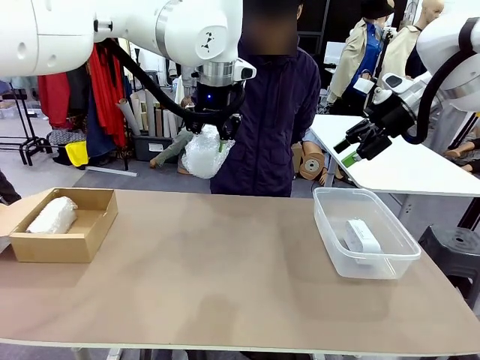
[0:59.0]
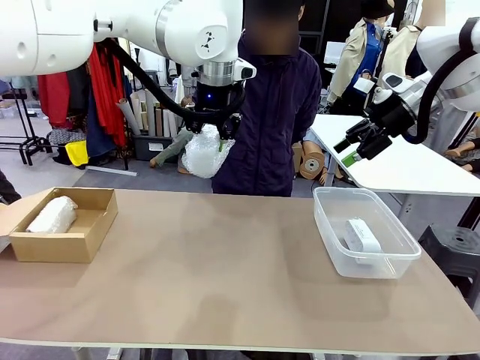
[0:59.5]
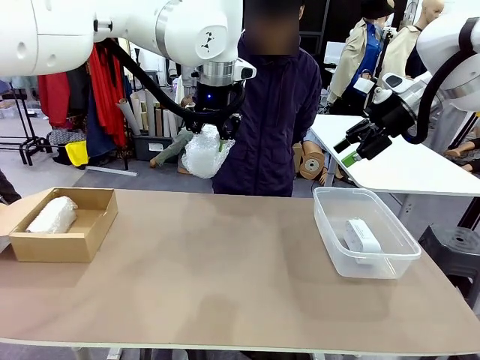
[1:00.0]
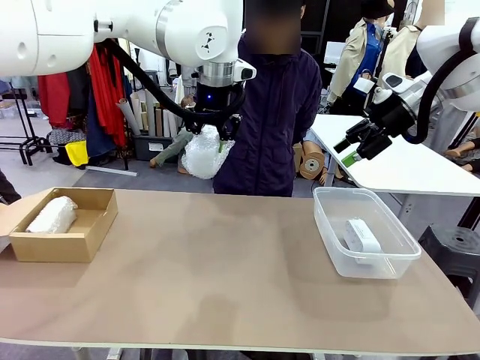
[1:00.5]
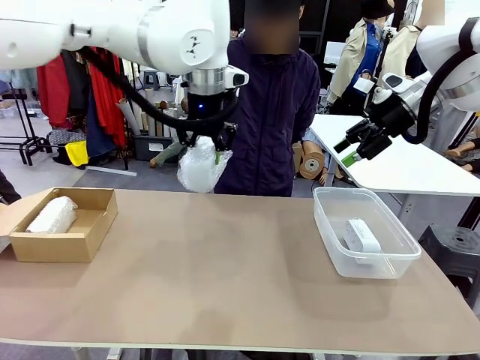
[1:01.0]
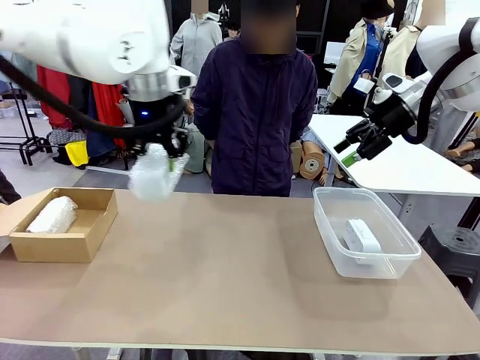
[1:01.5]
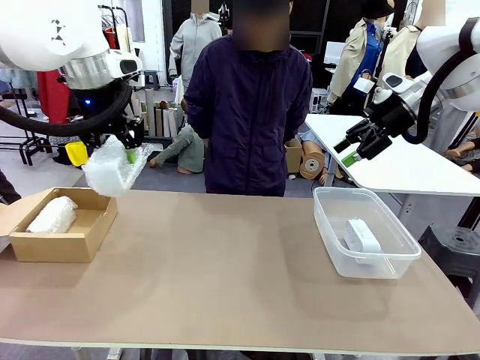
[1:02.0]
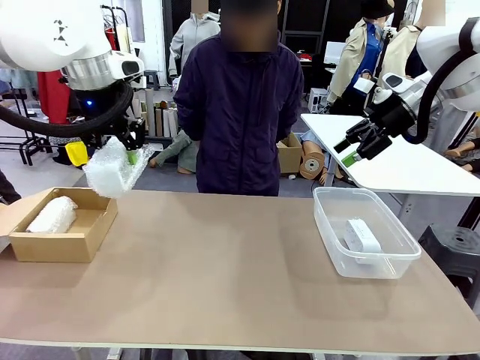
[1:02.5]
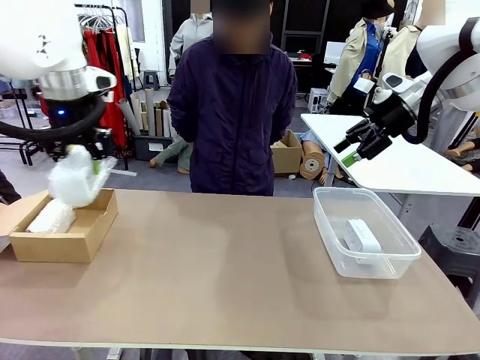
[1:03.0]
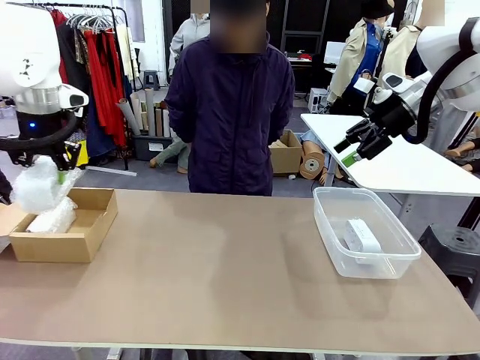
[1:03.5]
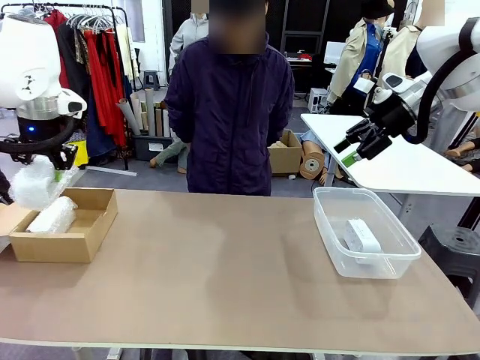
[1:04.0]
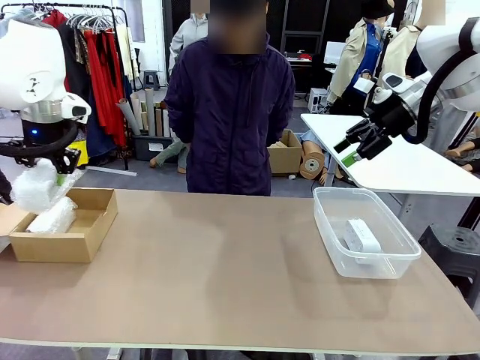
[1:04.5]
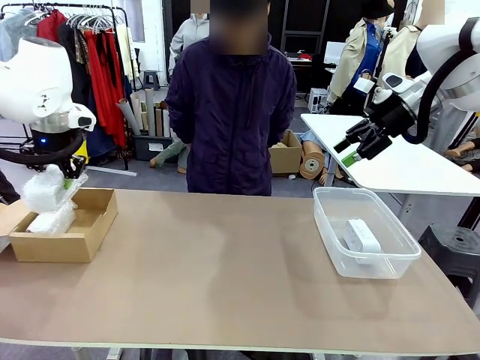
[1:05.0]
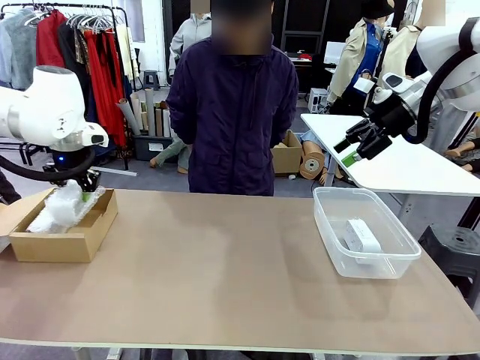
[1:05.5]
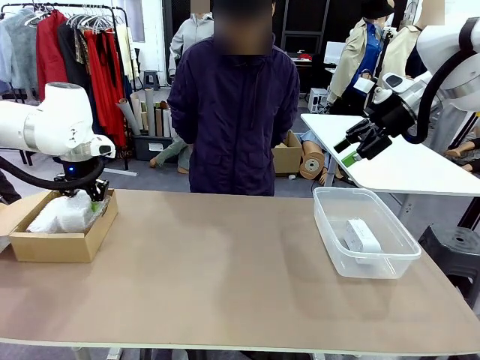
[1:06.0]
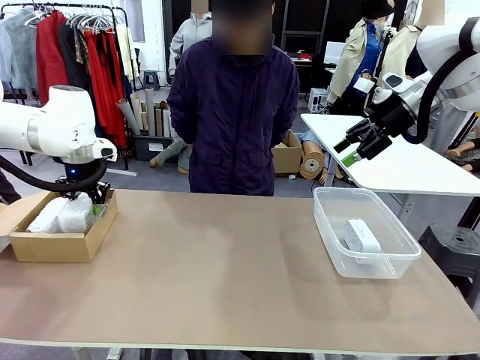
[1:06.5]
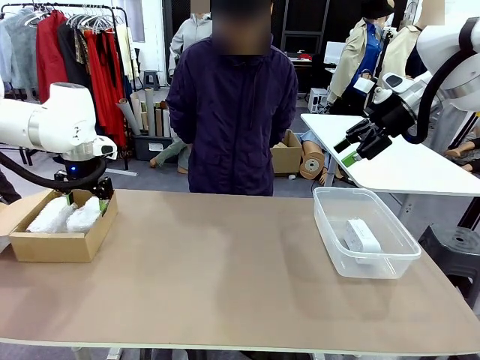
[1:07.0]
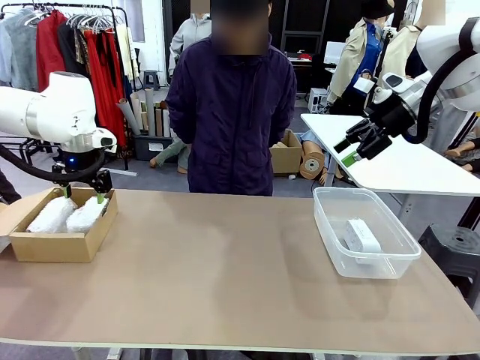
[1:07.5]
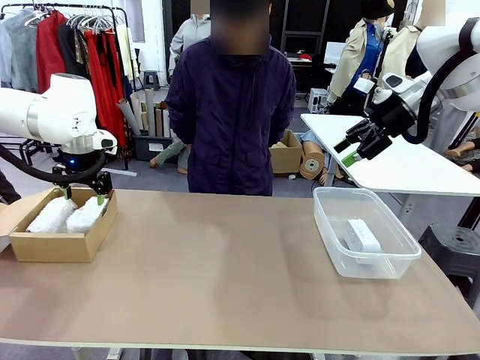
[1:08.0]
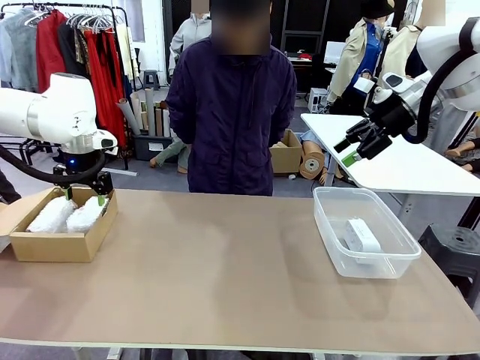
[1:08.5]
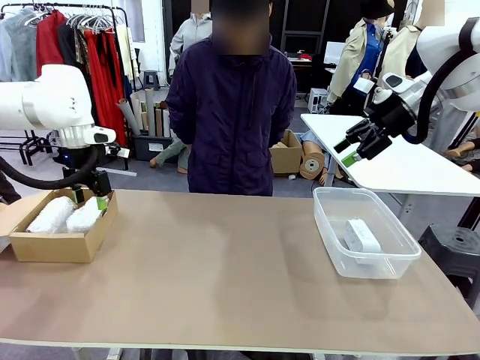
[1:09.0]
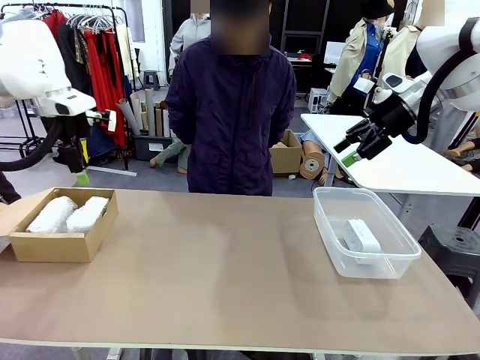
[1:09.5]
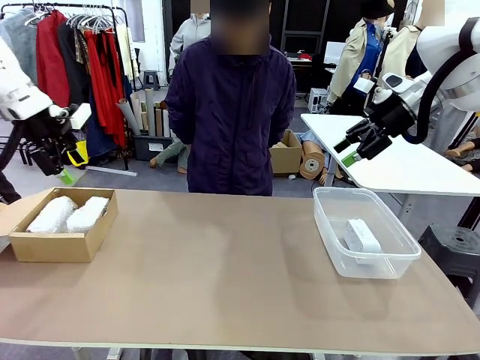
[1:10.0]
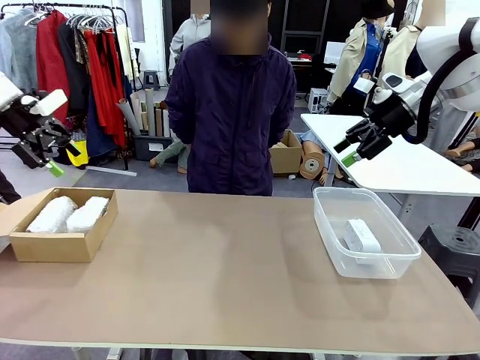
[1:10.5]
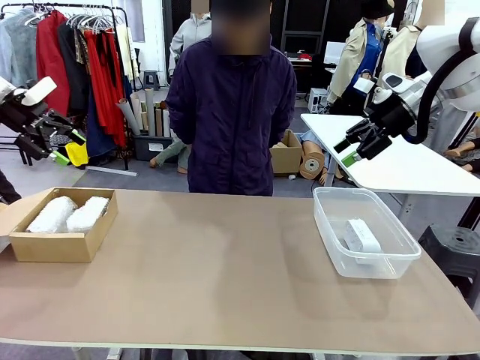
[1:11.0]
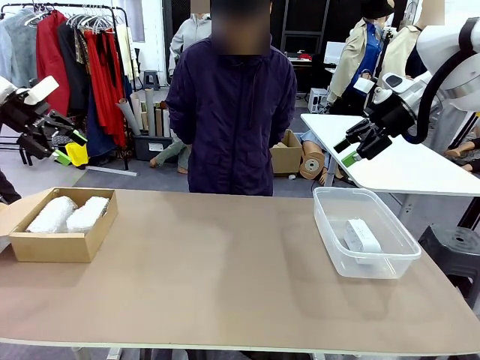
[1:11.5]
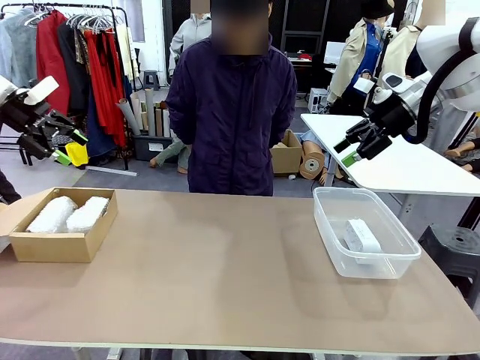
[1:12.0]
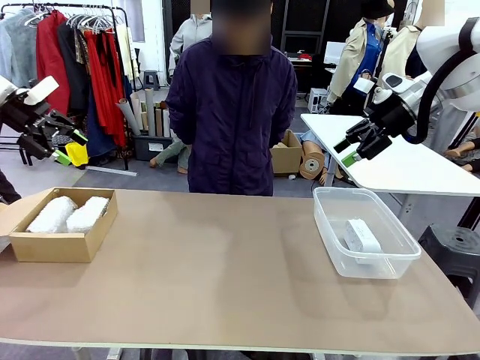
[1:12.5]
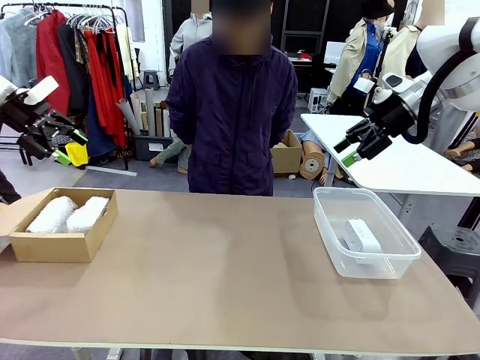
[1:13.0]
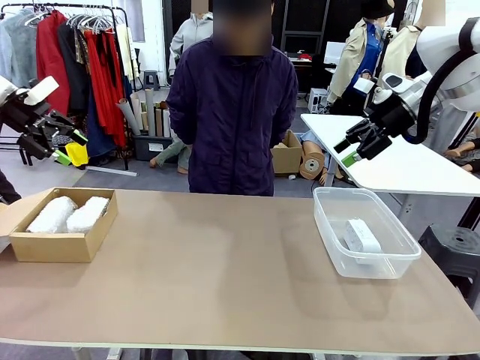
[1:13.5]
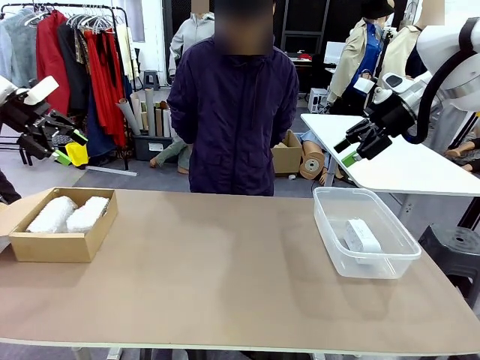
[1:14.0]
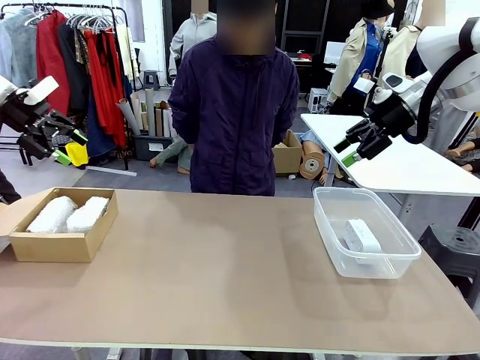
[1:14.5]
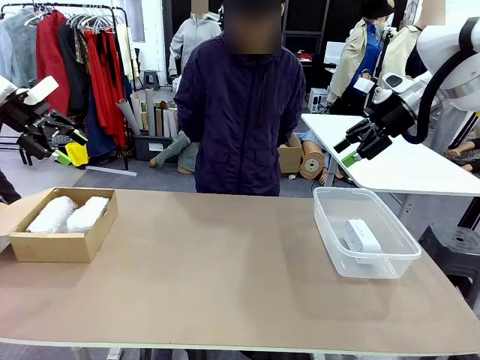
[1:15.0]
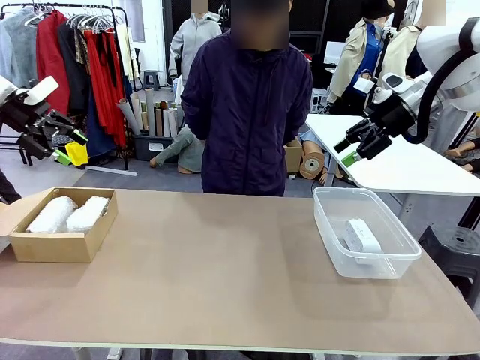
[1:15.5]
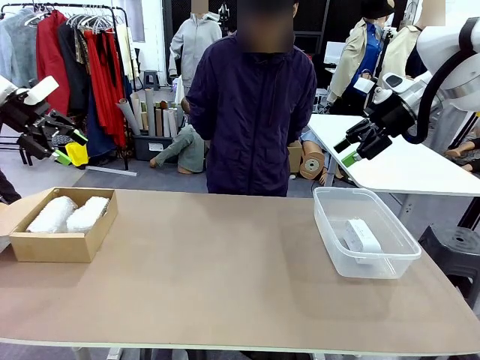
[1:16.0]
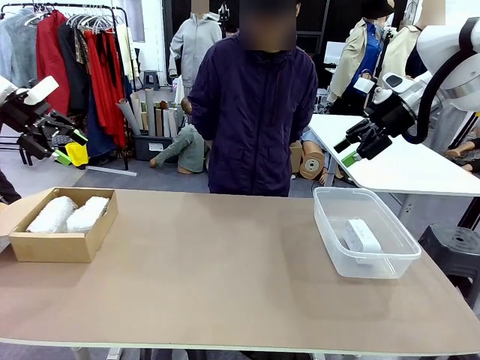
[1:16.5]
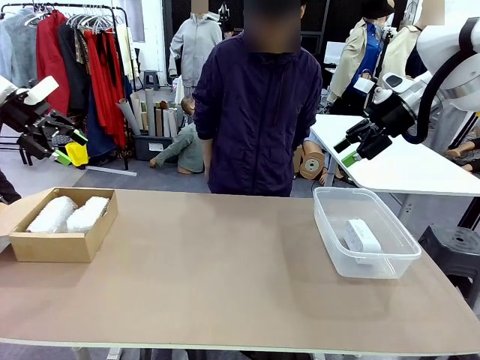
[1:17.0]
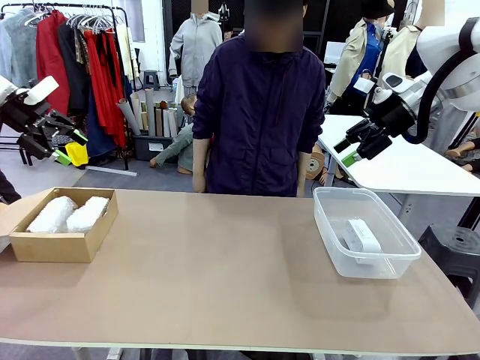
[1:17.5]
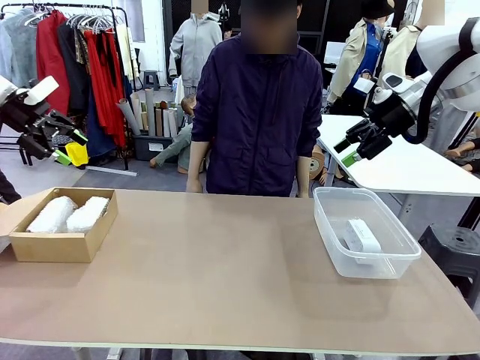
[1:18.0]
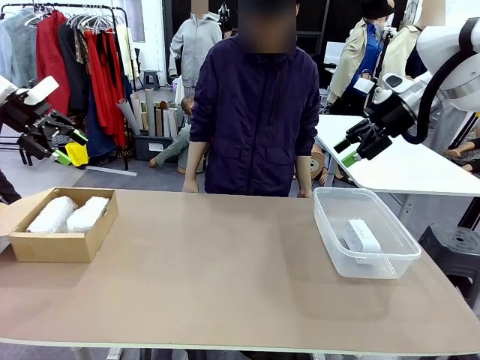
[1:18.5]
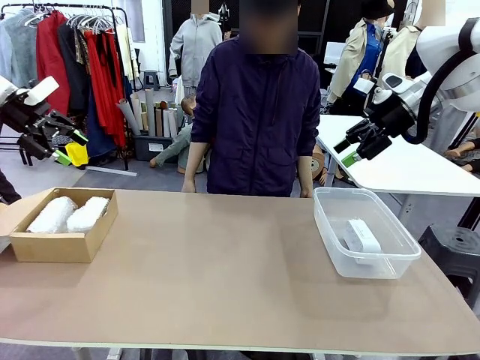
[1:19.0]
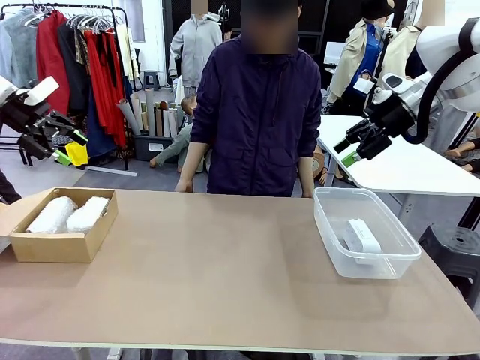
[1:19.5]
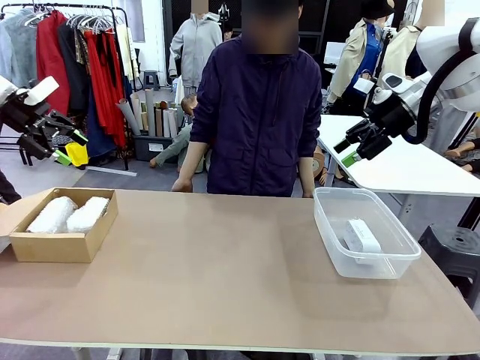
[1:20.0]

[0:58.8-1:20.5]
Task: Separate and place wrapped and unwrapped clocks.
Robot: If the picked Digital clock is wrapped, place it in the Package Box ; if not, place it in the Organizing box.

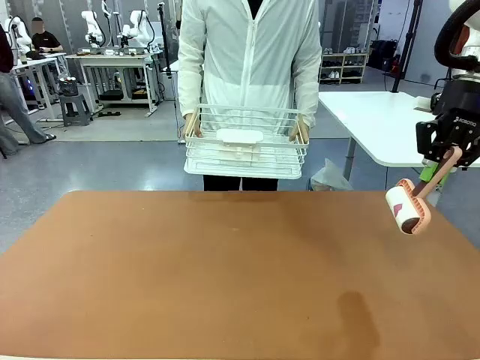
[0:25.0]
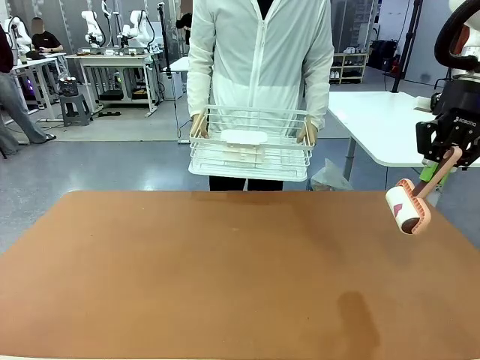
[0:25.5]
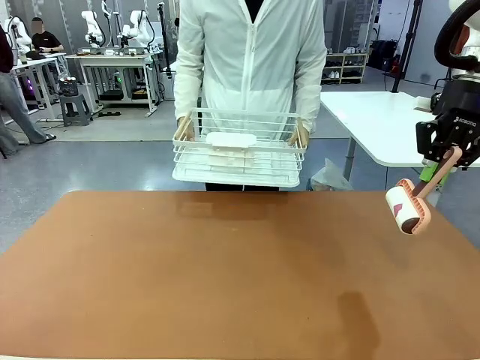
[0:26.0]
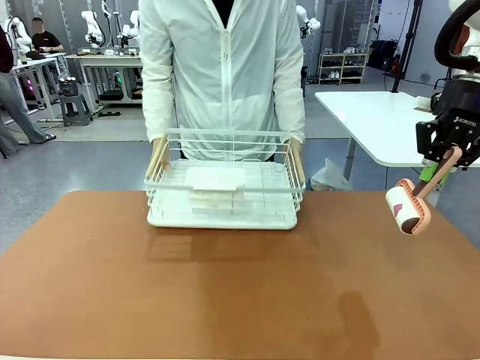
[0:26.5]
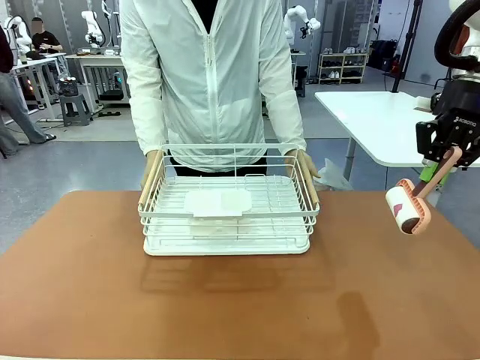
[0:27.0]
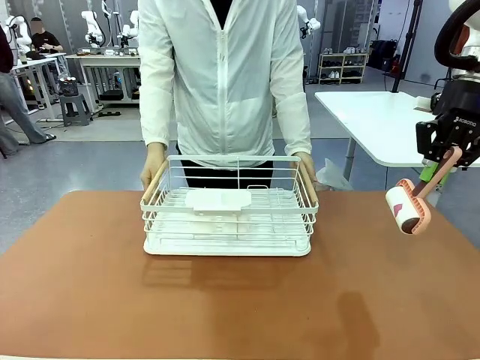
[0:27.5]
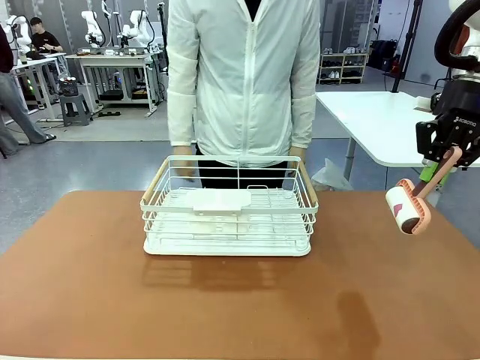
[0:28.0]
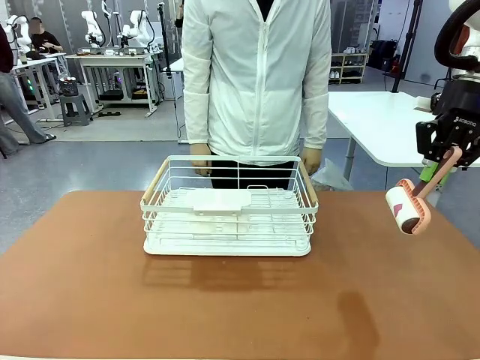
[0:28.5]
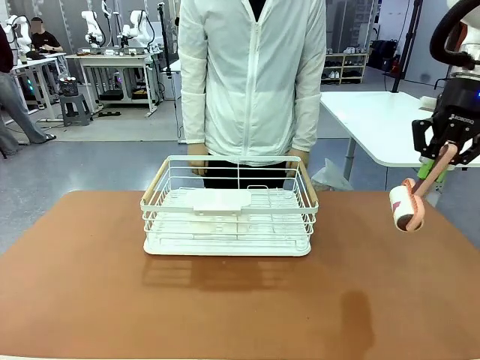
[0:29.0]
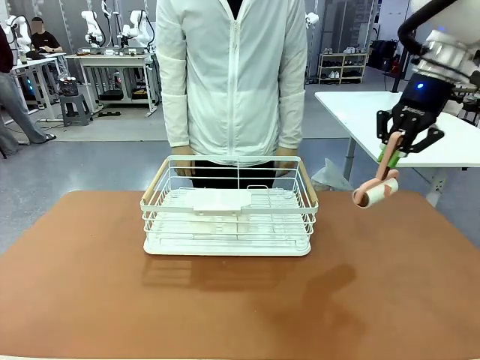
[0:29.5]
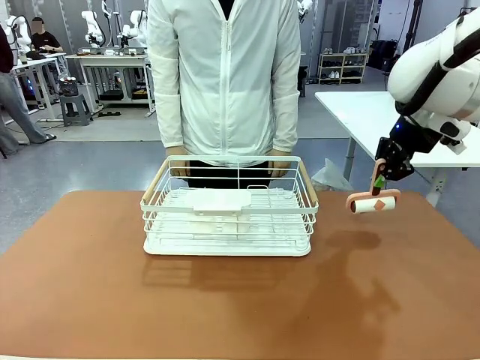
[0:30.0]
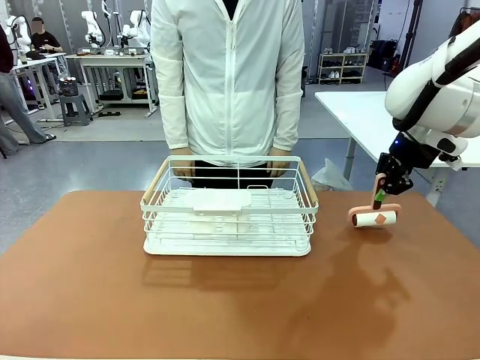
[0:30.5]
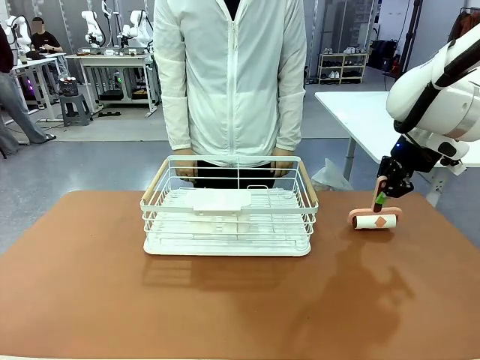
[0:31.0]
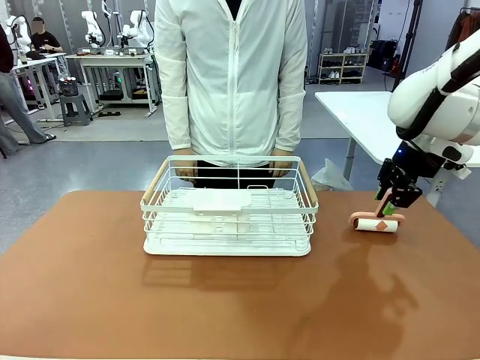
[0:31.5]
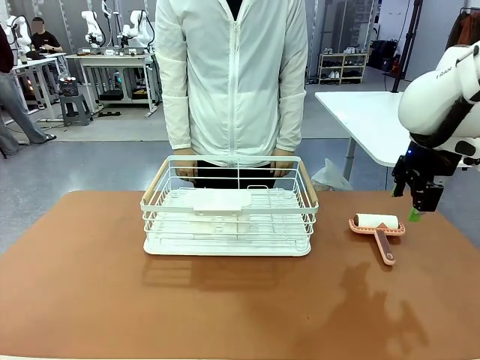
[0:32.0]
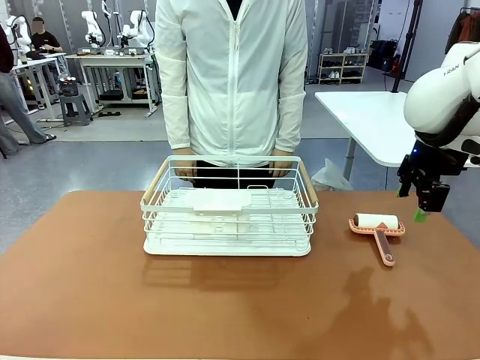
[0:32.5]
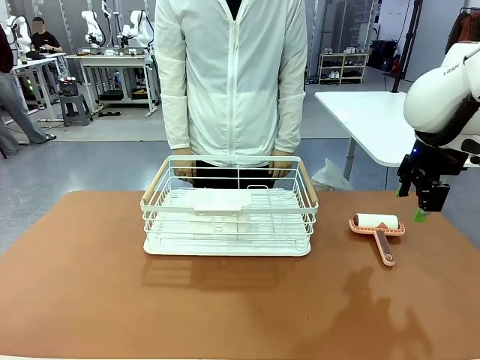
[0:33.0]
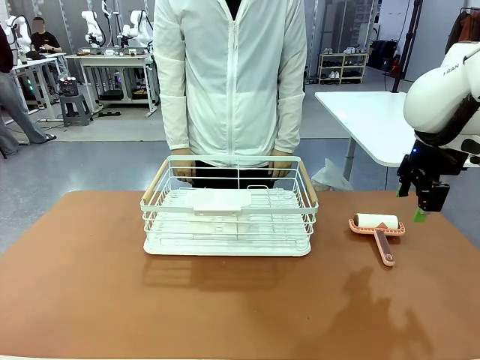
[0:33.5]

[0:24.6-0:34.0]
Task: Clean the table.
Robot: Place the Lint Roller down when the Dish drying rack is positioned in the middle of the table.
Person: Place the Dish drying rack down when the robot finishes cleaning.
